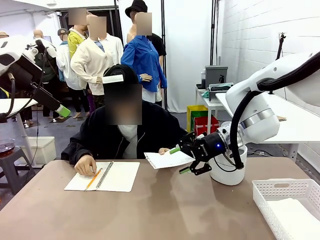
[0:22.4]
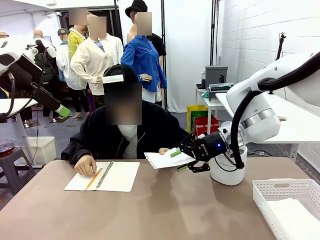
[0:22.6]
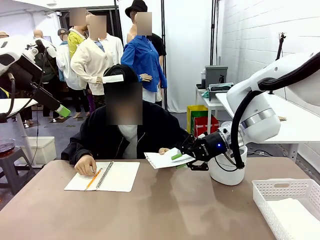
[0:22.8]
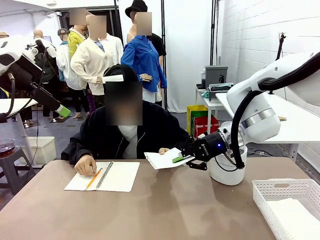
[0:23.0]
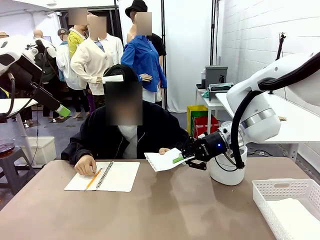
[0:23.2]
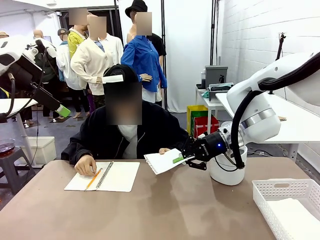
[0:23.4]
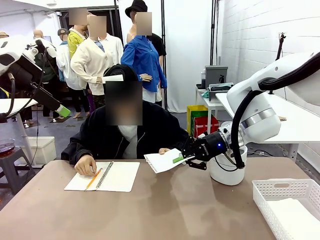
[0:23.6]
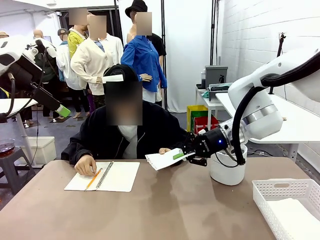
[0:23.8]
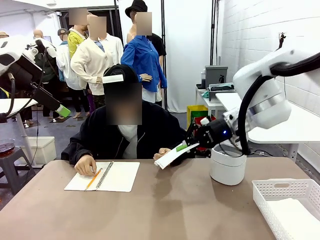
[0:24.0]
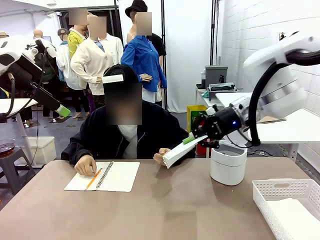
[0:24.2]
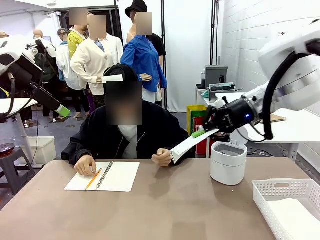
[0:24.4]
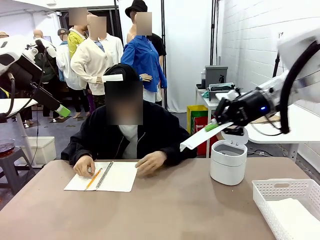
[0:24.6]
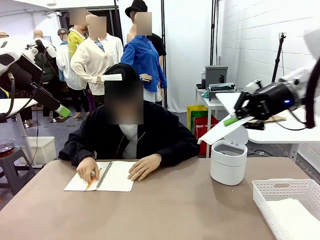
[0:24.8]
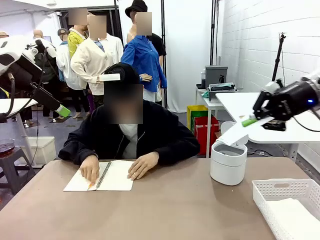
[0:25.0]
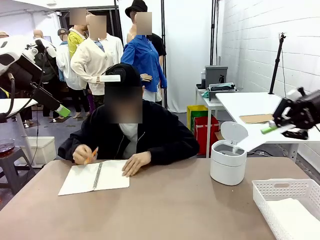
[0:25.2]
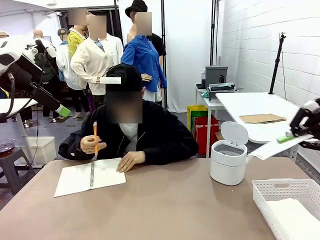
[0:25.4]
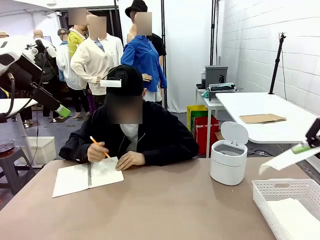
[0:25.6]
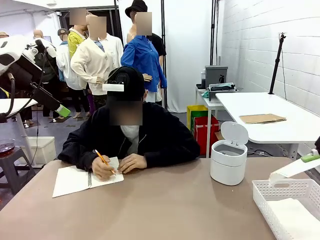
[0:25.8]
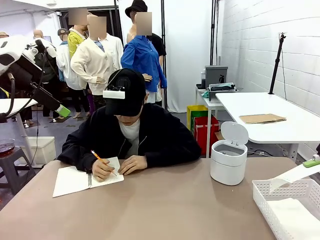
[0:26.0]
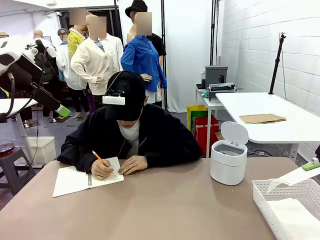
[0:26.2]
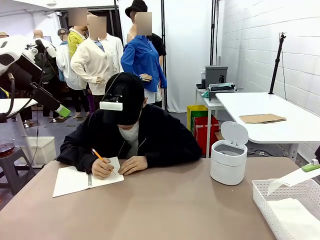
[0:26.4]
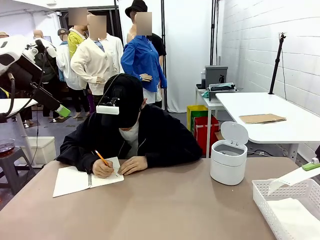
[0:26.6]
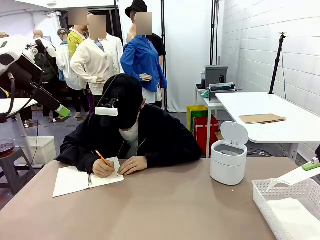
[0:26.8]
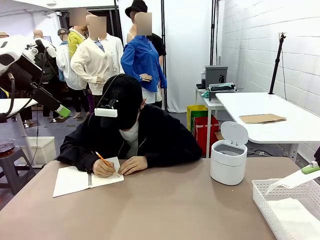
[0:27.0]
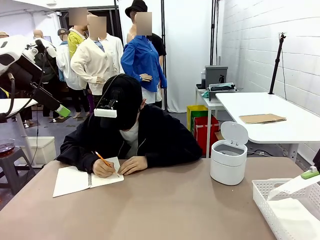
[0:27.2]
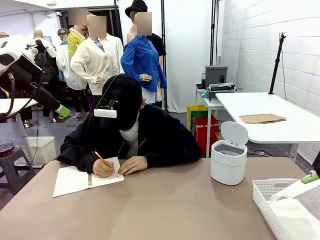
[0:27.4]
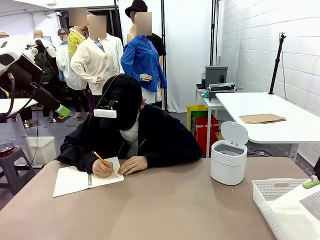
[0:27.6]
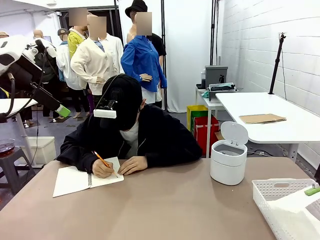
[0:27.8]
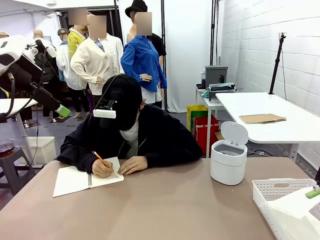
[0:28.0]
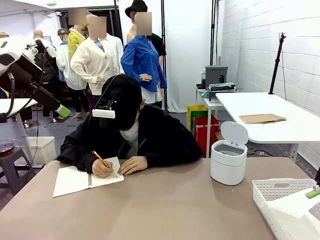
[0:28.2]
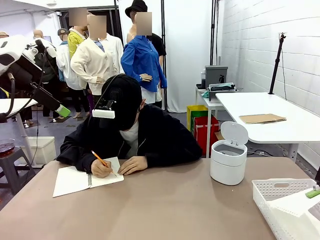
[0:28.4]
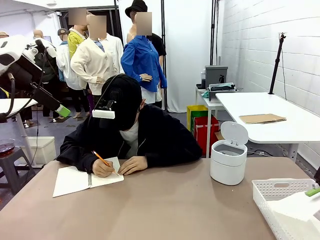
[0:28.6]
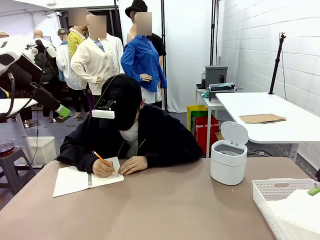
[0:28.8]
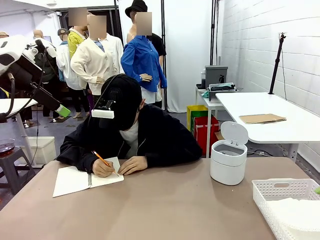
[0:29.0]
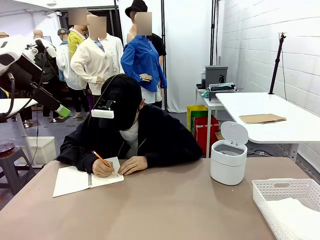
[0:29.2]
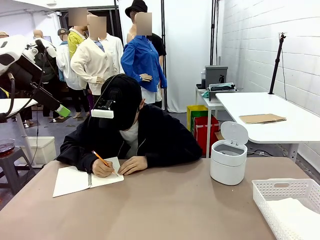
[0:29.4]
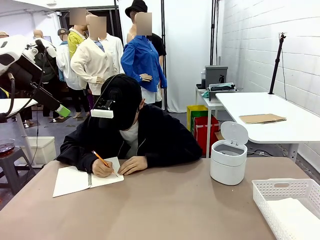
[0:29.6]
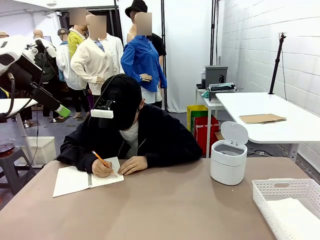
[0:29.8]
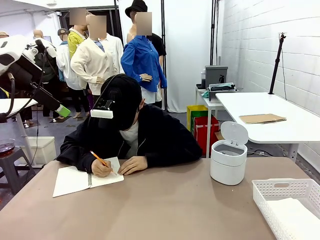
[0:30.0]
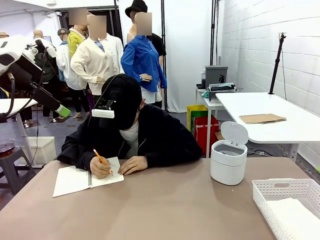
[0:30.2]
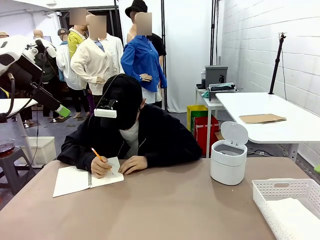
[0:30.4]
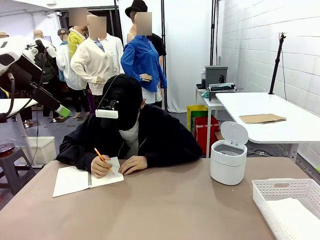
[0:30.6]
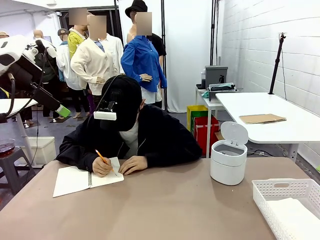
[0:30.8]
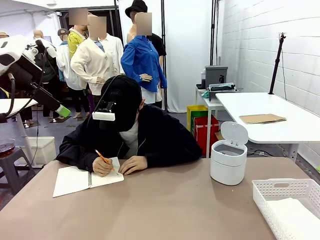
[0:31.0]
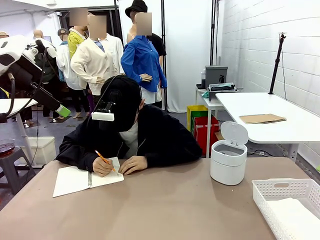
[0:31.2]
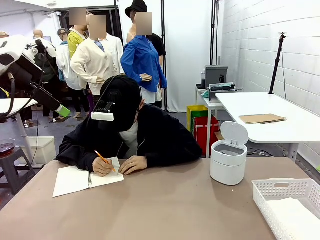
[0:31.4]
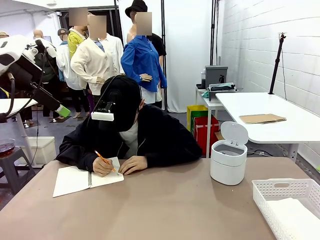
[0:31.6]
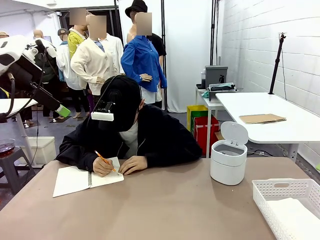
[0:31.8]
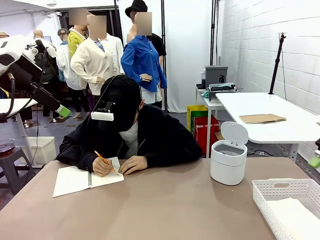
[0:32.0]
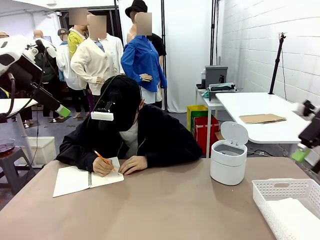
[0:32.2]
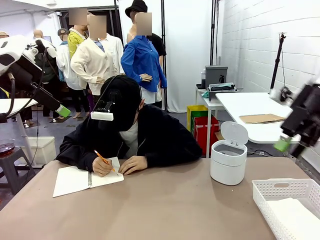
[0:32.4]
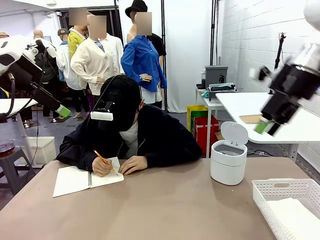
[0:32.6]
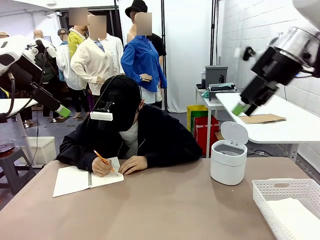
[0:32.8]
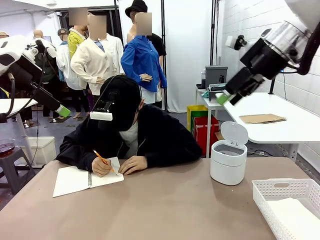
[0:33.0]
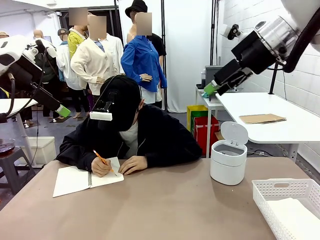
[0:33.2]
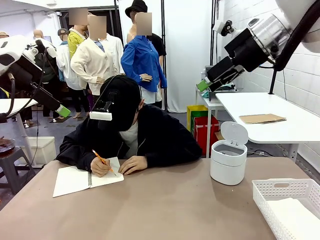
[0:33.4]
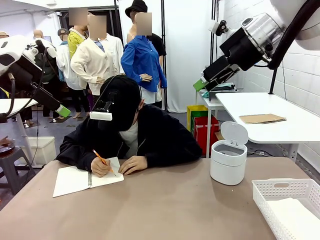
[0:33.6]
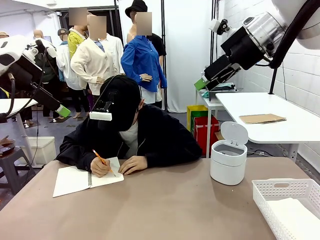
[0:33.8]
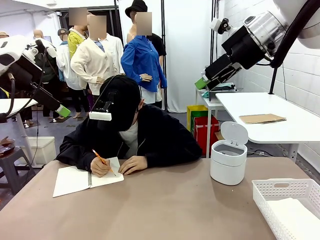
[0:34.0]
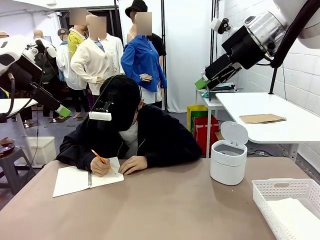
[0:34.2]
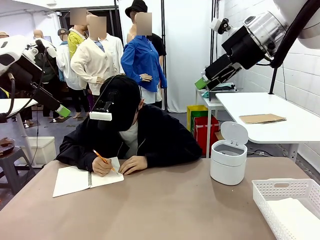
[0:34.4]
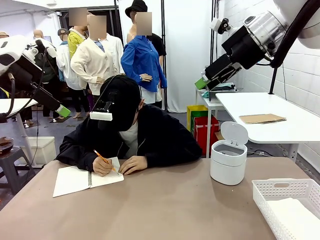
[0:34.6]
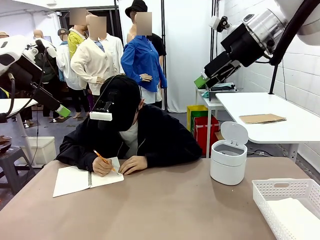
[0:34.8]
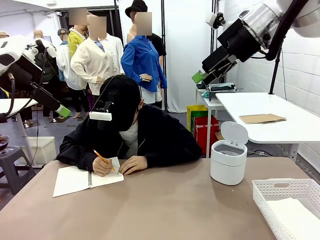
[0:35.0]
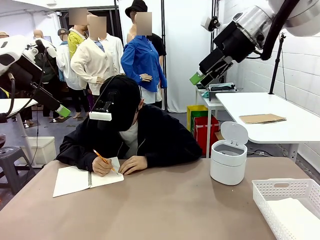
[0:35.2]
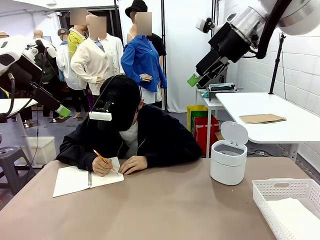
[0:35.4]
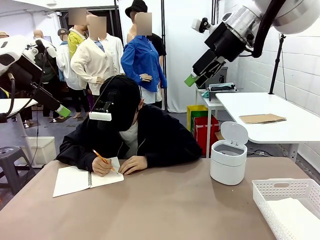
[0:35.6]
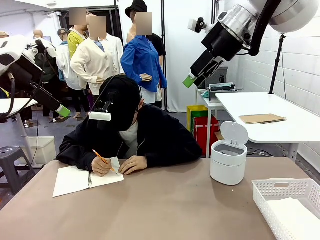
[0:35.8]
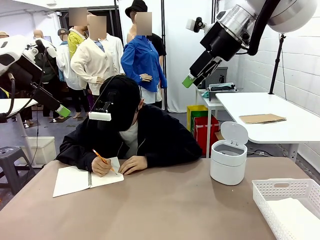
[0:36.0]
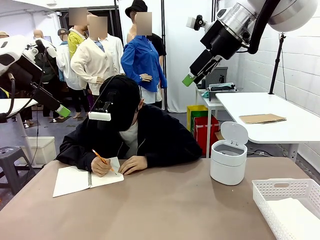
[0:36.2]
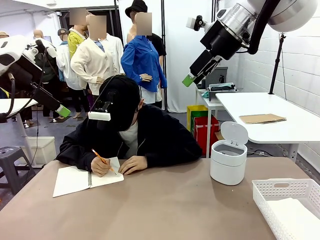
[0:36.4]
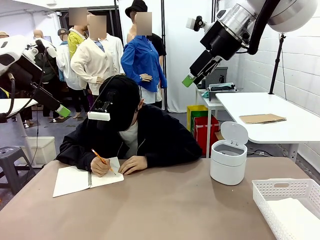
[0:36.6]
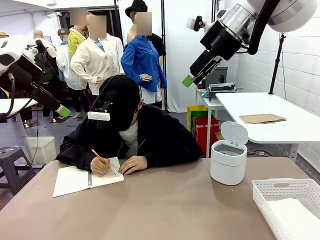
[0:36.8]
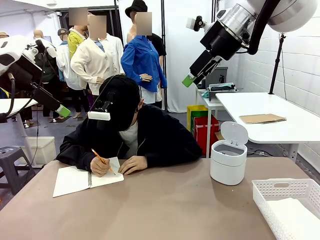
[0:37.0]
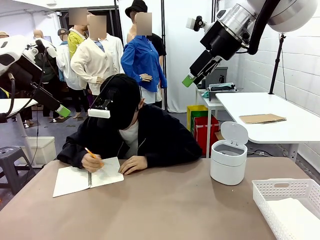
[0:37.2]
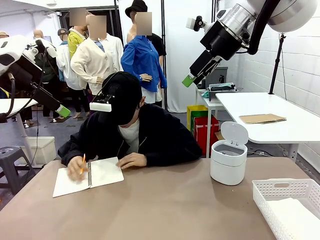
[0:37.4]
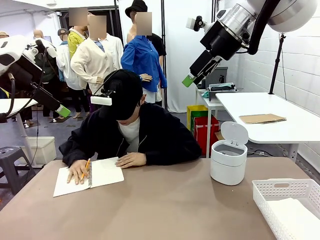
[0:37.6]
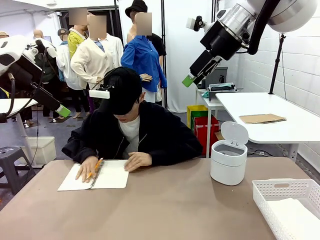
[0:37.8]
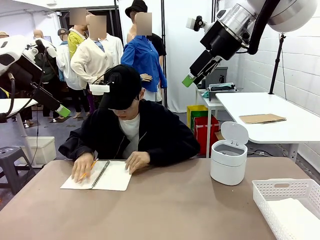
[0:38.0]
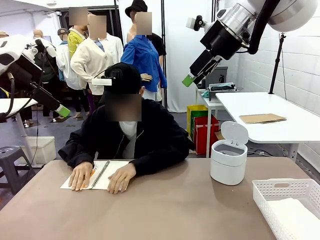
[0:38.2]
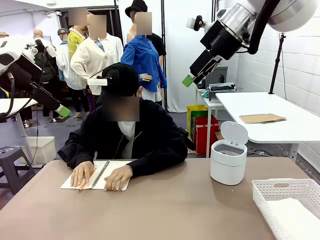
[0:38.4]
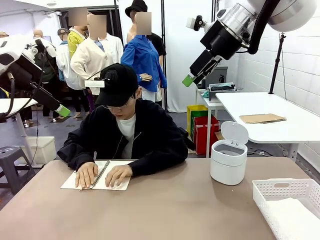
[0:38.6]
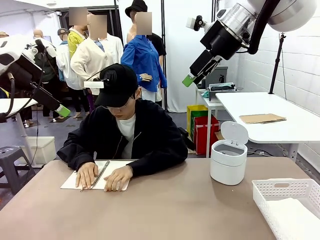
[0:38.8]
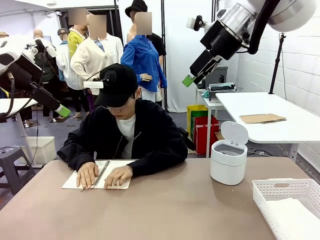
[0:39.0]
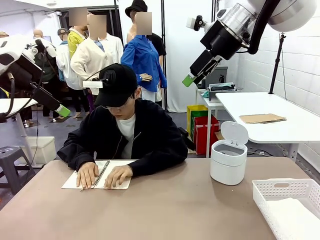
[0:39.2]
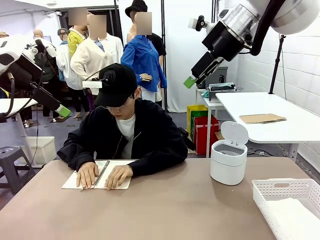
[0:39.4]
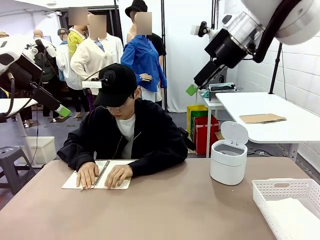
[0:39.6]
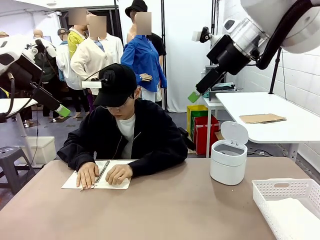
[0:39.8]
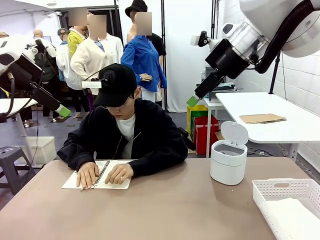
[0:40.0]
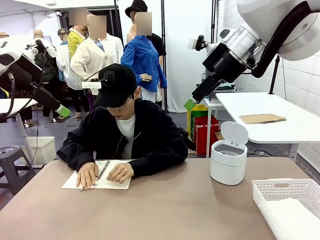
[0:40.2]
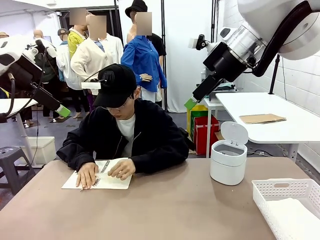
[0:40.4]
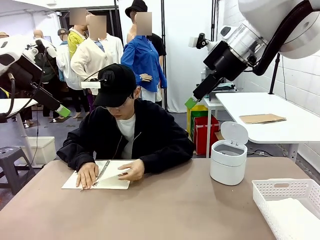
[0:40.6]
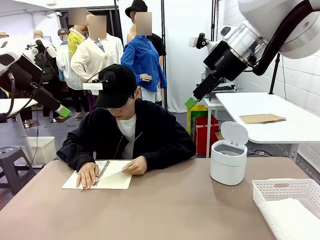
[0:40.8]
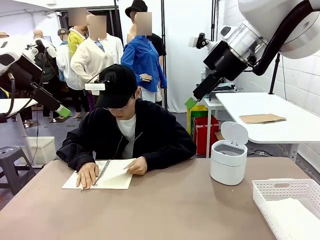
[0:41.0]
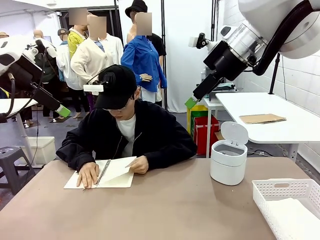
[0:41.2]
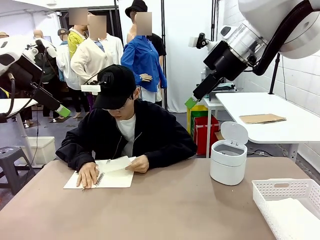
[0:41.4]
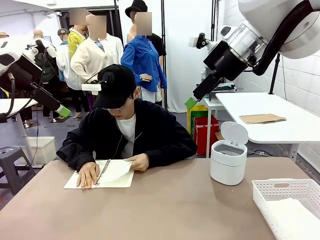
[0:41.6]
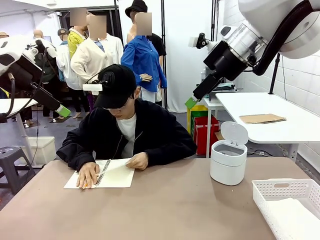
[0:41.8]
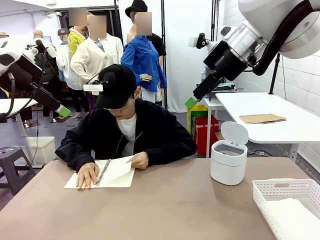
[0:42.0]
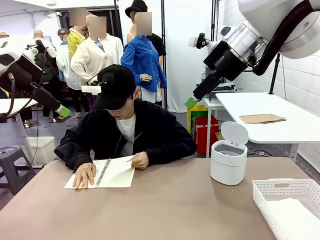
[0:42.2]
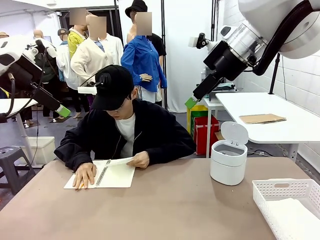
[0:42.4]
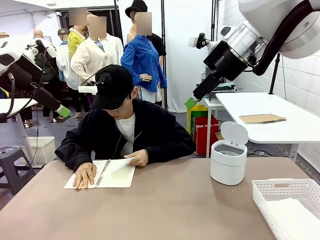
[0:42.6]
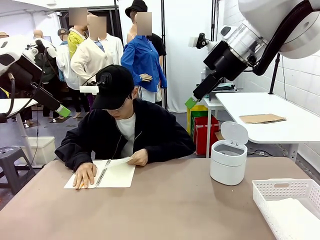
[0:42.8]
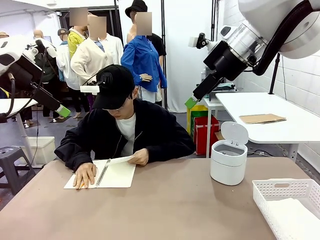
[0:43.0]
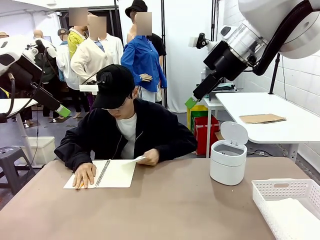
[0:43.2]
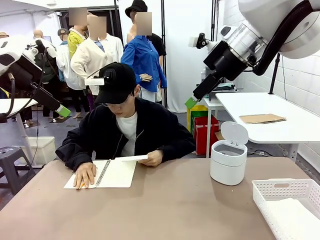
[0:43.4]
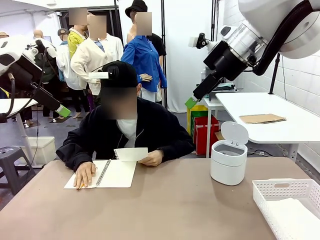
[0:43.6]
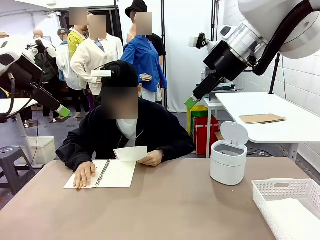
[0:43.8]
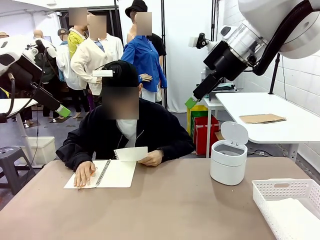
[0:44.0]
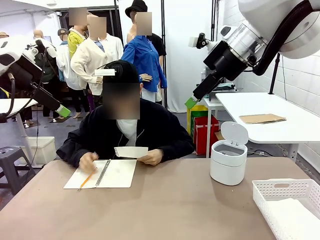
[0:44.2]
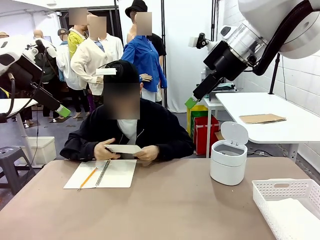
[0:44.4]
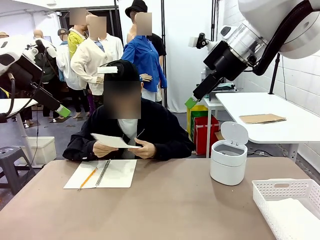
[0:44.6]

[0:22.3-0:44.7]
Task: Sort the paper based on its condition.
Robot: If a person hands you a paper, place it in the Organizing basket , and if it's crumpled, put it in the Trash can.
Person: Tear out a page from the spiral notebook.
